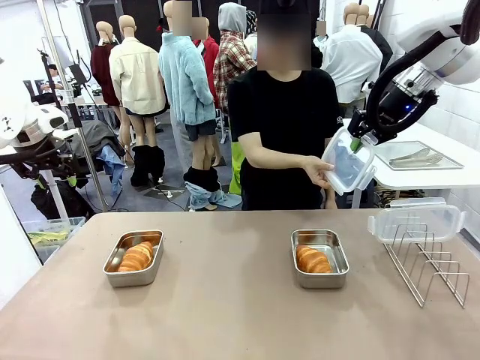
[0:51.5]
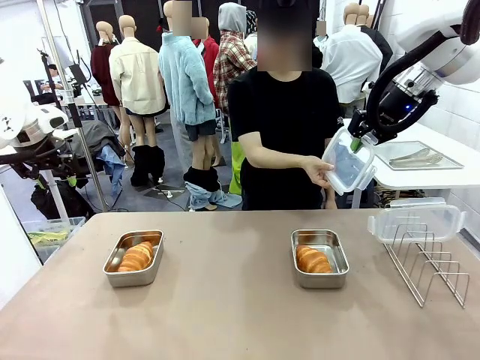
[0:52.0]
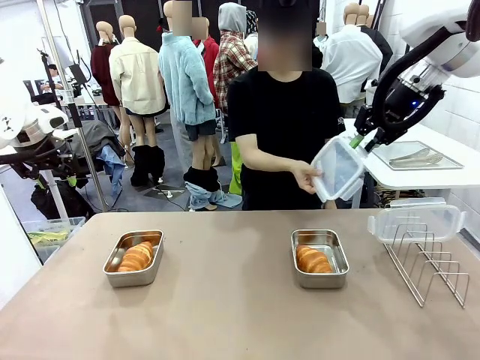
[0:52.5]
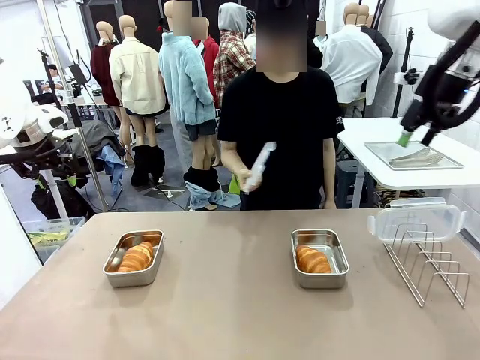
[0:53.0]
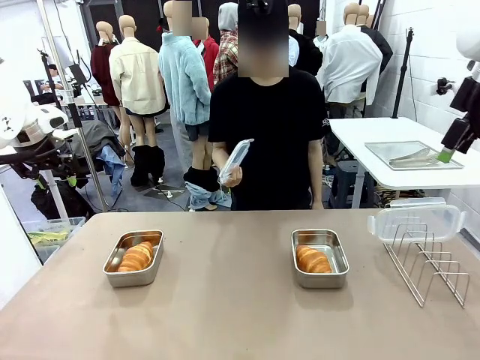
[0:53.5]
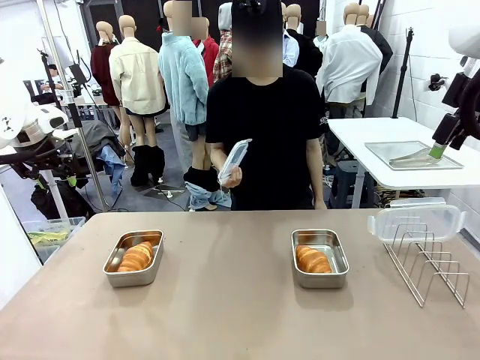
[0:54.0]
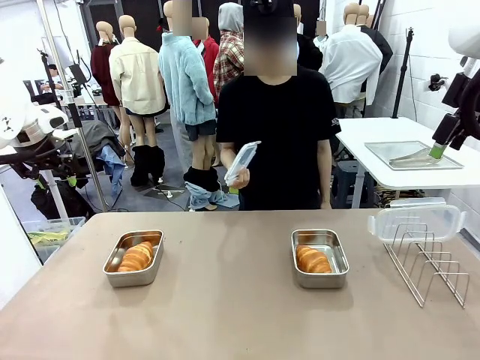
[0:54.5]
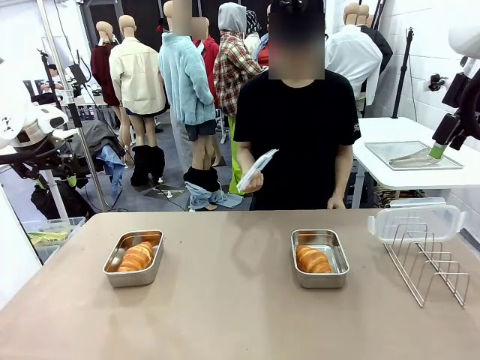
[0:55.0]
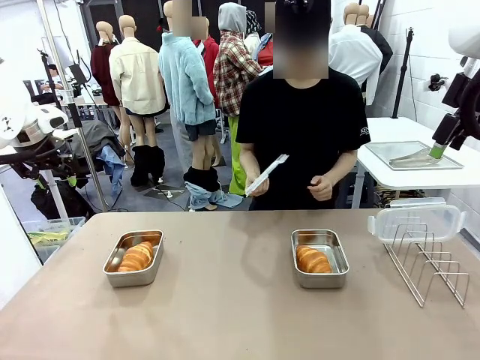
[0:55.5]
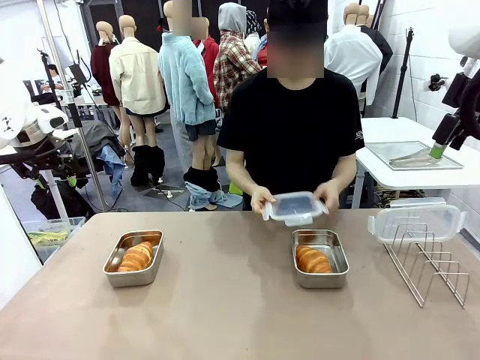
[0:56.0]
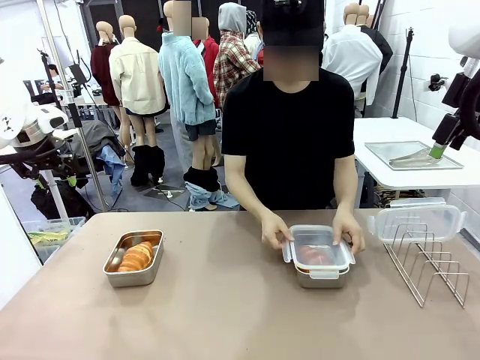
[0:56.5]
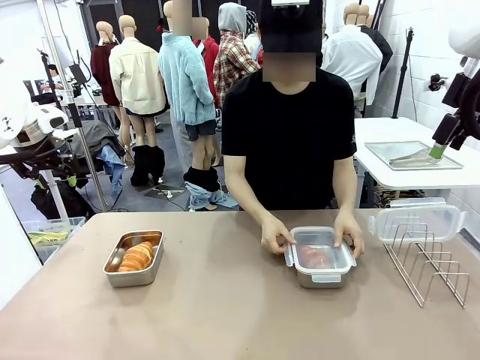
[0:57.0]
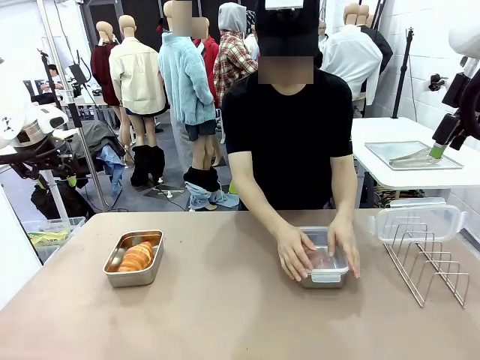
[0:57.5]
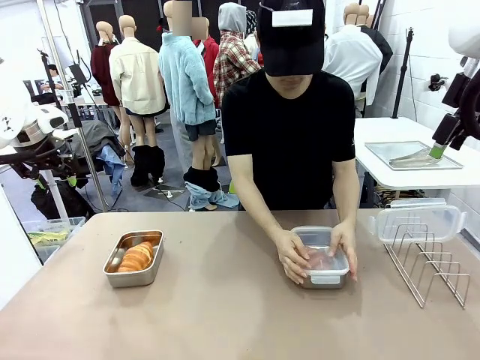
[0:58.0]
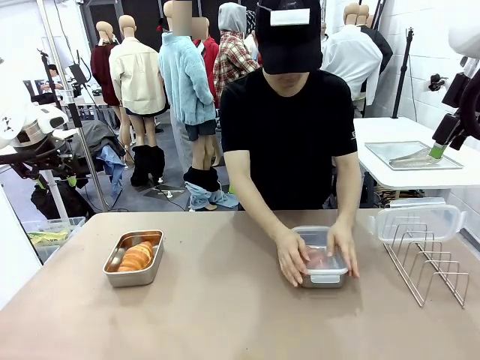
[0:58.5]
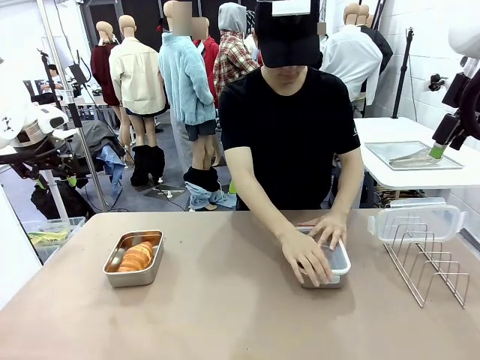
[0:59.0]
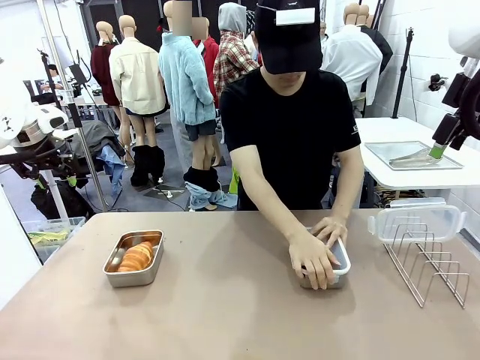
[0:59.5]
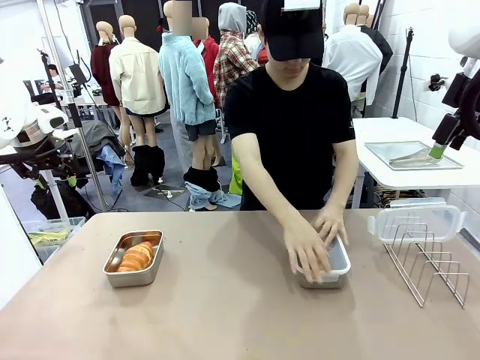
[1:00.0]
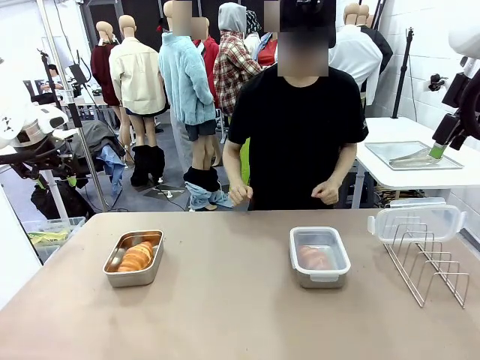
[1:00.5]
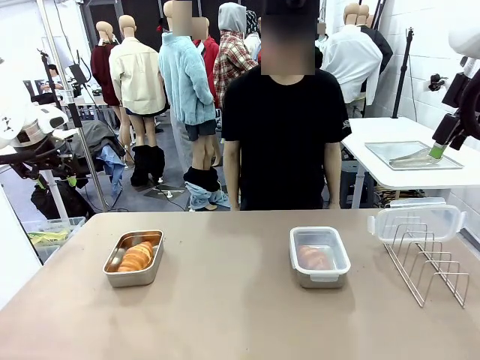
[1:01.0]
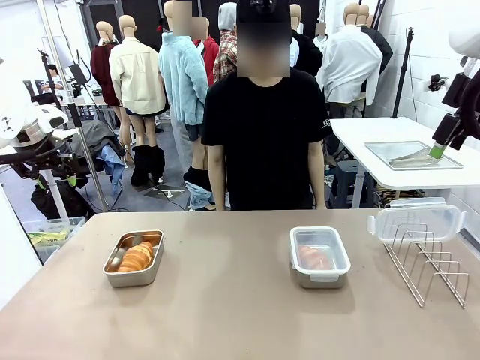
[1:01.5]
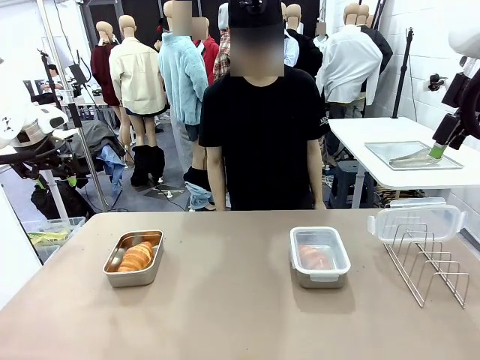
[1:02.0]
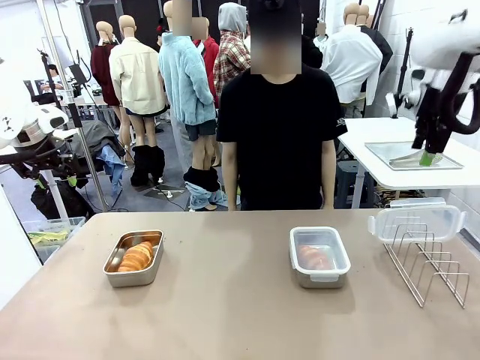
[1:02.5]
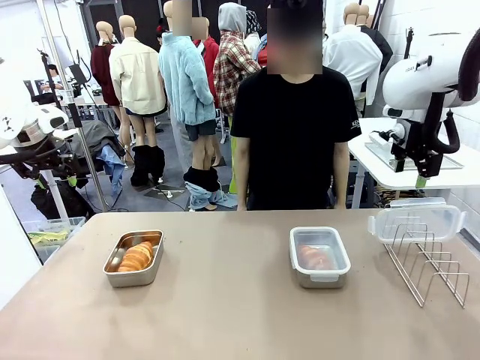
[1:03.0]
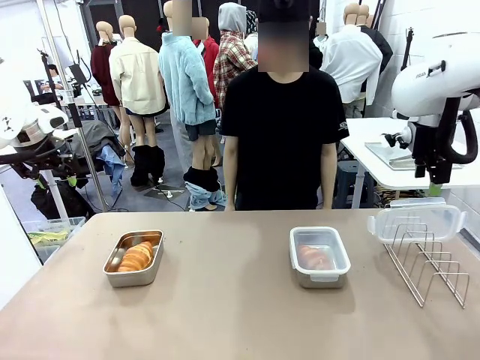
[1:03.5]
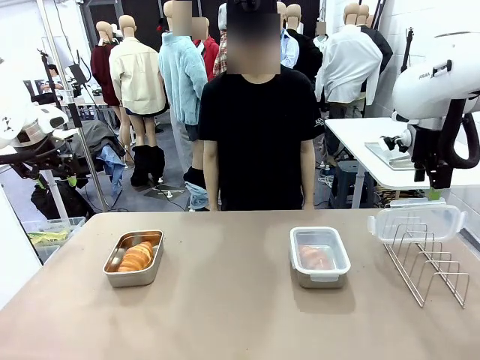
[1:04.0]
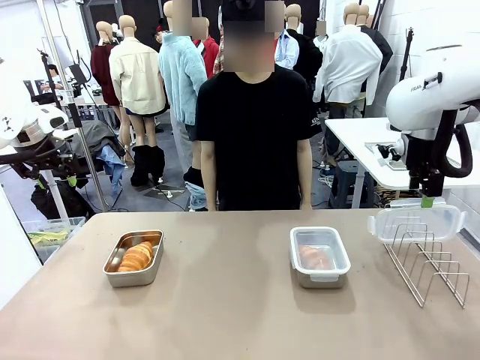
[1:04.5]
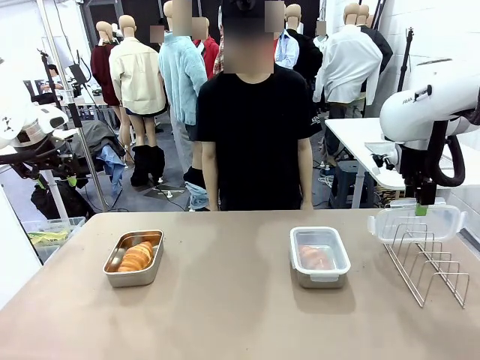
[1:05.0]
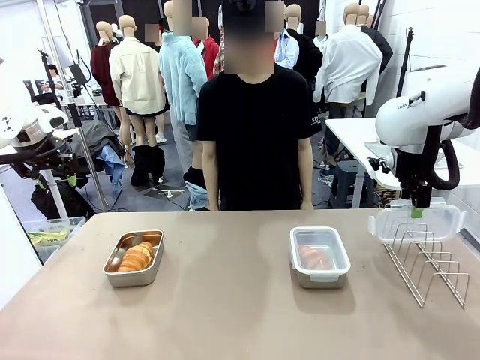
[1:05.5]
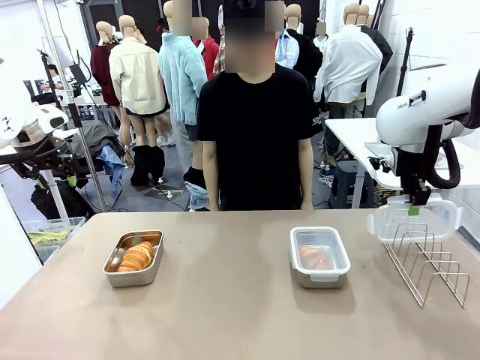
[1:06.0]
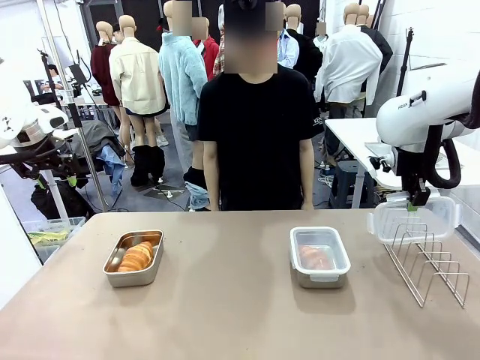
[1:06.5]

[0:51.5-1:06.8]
Task: Place the bread in airtight containers.
Robot: Pick up one Airtight Container lid and hand it to the human.
Person: Close Airtight Container with a handed Airtight Container lid.

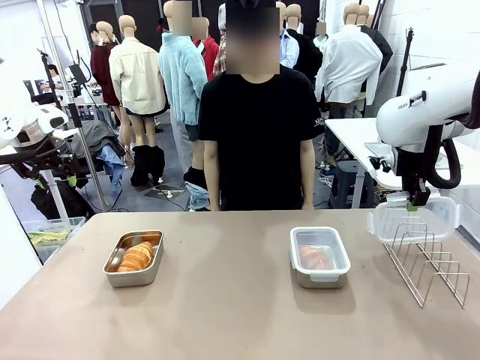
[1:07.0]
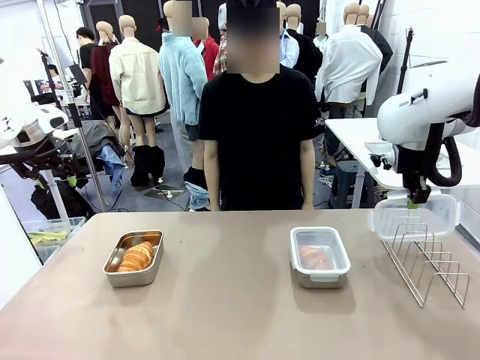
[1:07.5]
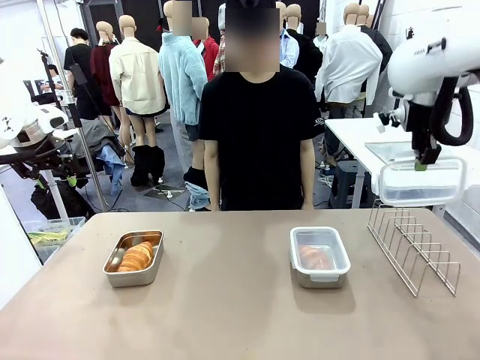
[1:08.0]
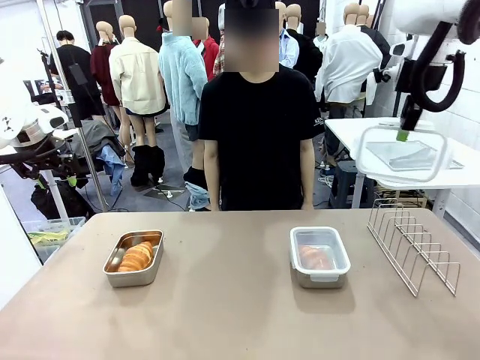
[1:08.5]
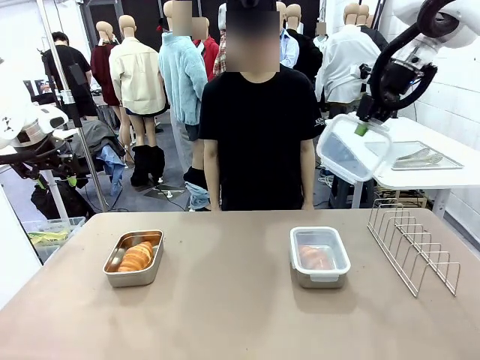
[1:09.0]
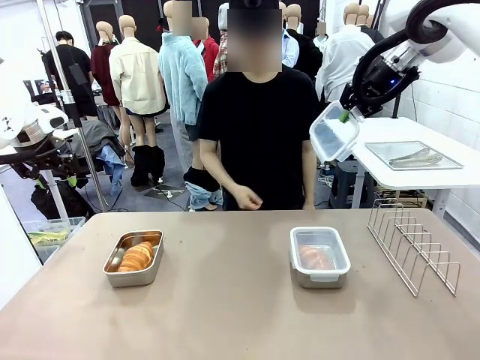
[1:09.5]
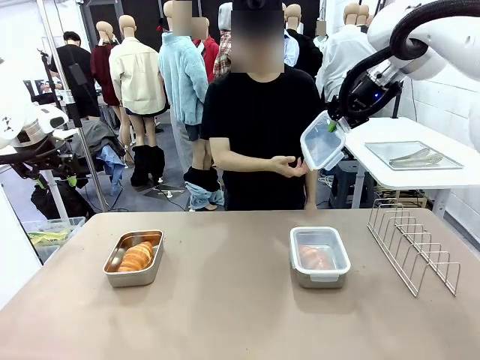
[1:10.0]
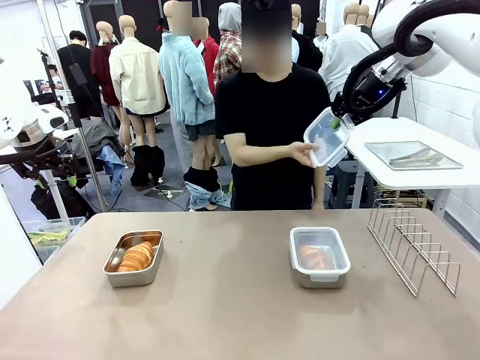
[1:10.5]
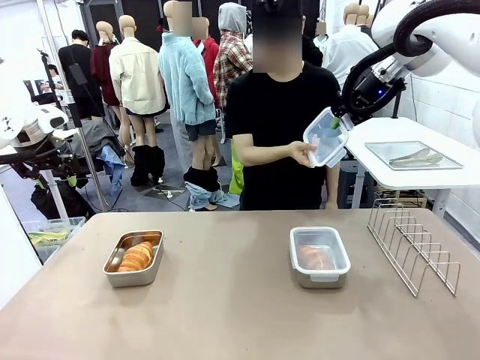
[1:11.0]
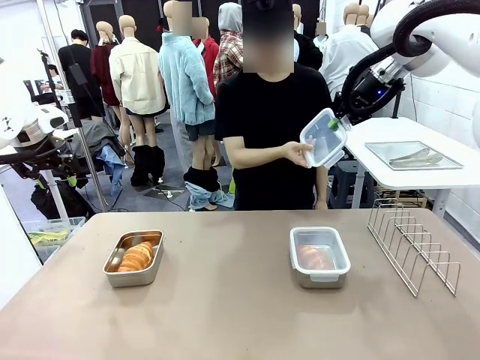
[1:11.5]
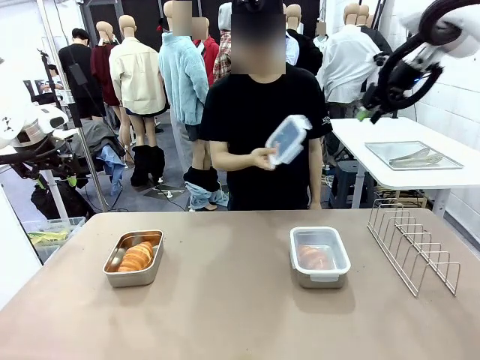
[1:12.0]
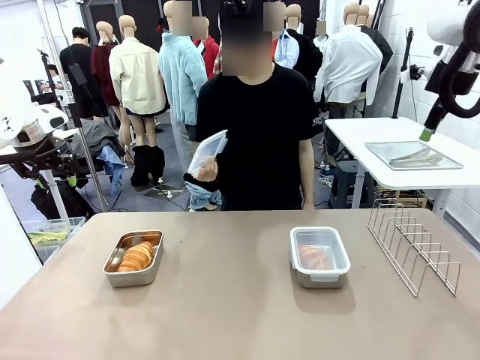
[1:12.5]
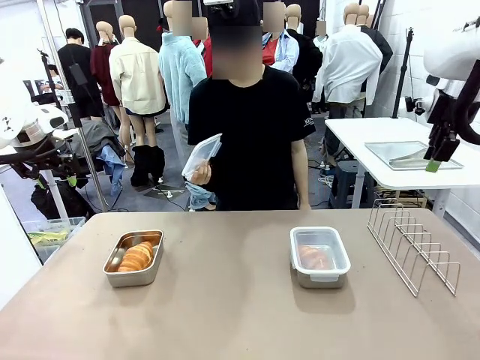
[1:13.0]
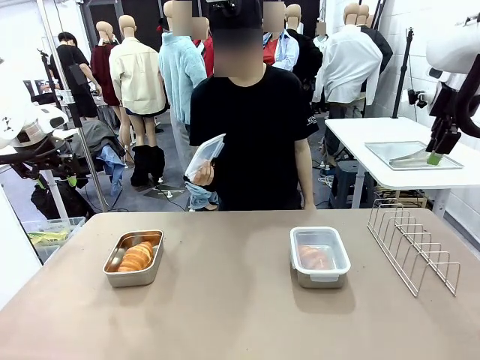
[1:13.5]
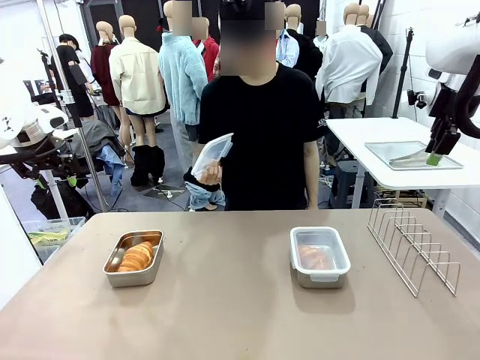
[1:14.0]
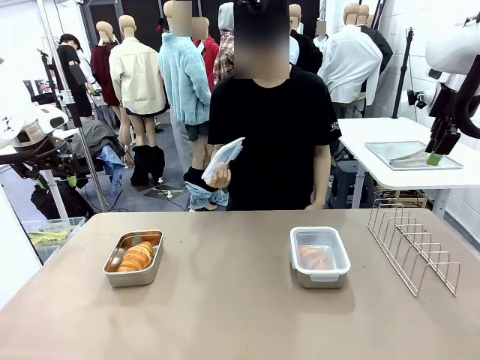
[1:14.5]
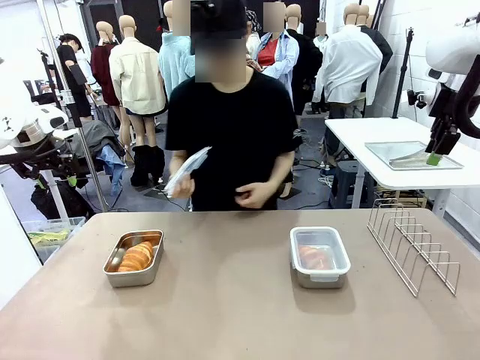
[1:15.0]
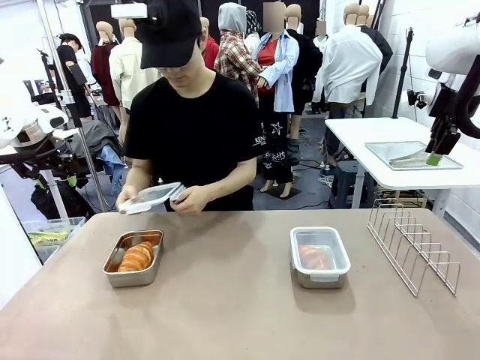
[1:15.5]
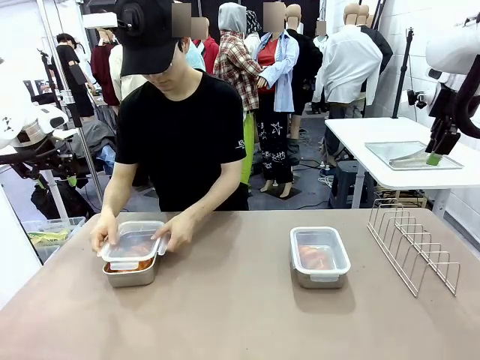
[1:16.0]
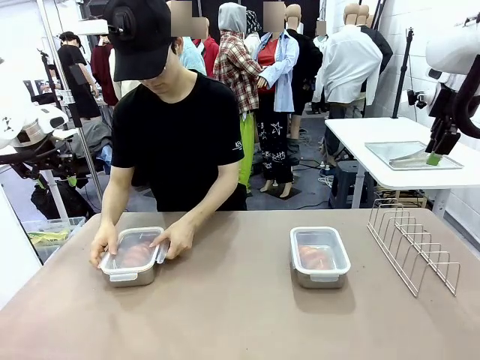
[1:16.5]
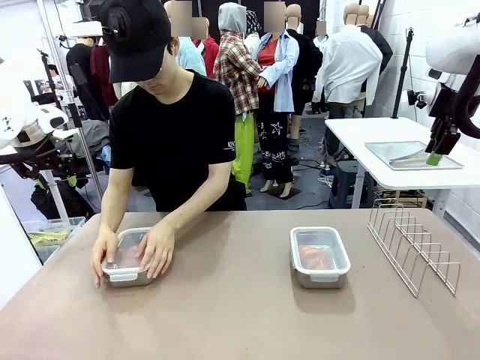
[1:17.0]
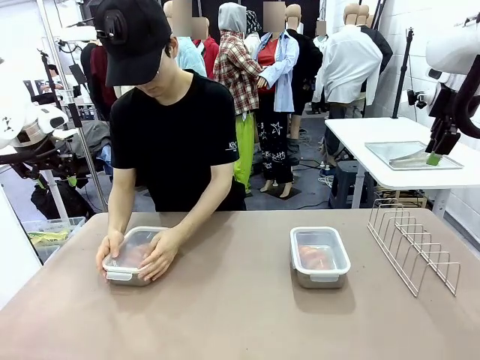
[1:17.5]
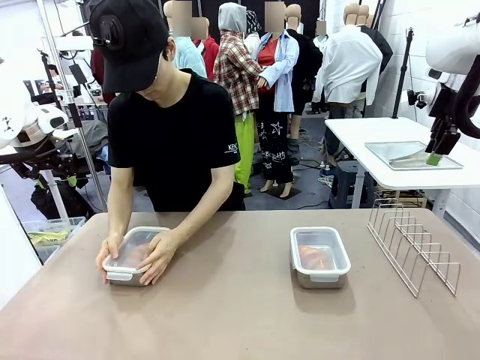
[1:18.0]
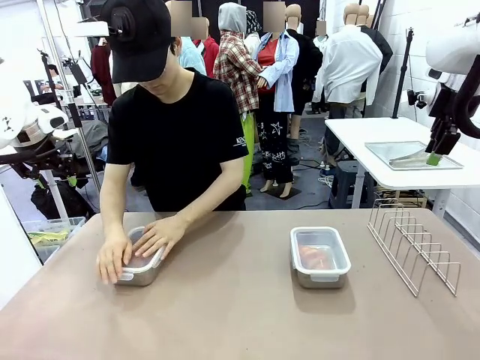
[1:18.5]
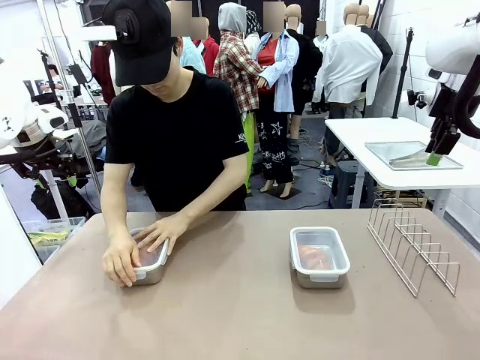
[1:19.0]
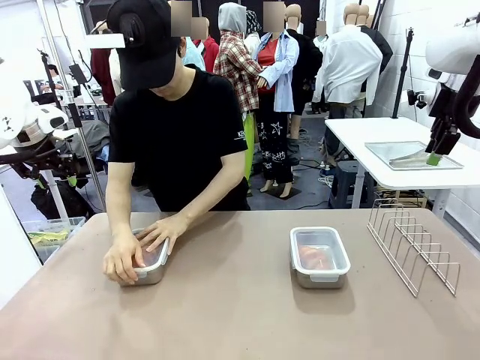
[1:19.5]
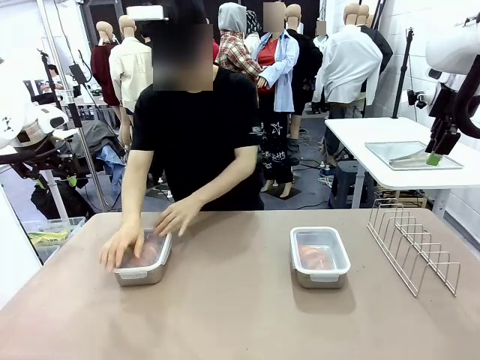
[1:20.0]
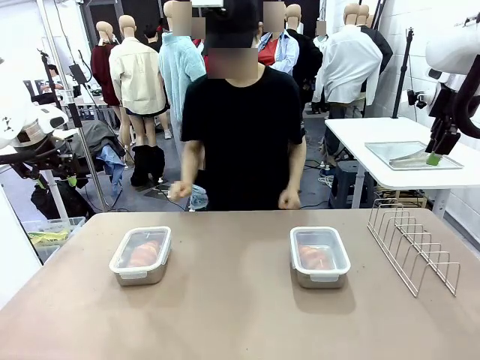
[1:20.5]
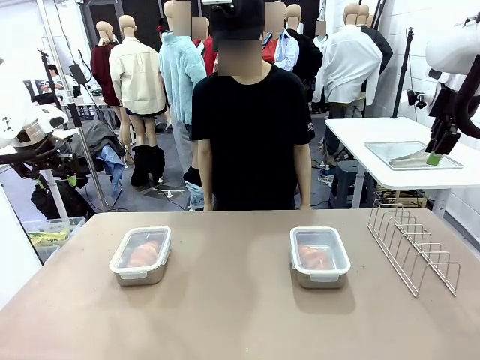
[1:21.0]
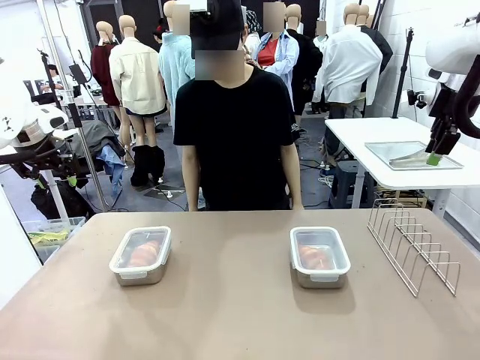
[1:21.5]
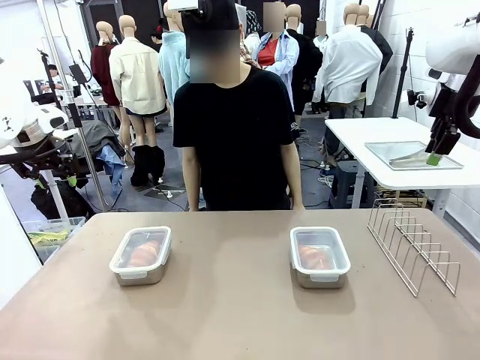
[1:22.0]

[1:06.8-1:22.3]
Robot: Release when the human grabs the Airtight Container lid.
Person: Grip Airtight Container lid that robot is handing. Close Airtight Container with a handed Airtight Container lid.
